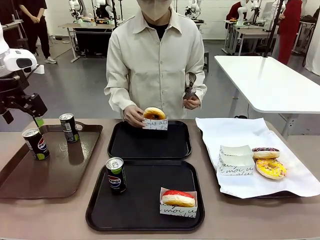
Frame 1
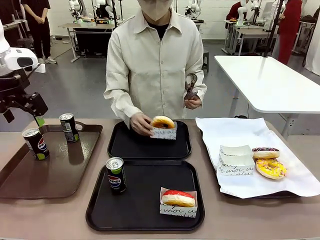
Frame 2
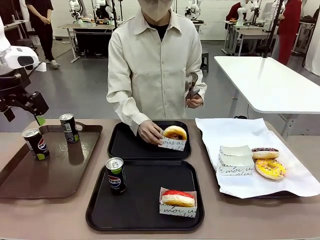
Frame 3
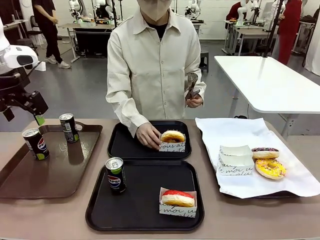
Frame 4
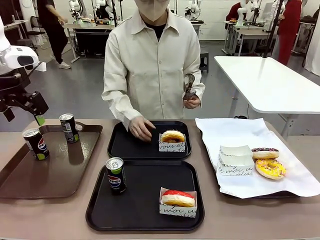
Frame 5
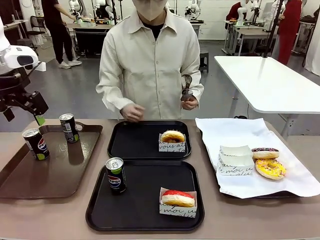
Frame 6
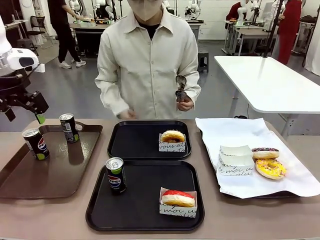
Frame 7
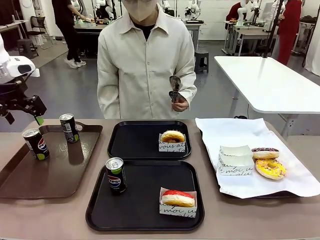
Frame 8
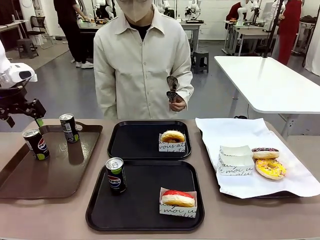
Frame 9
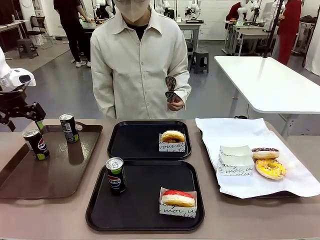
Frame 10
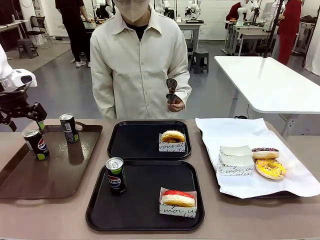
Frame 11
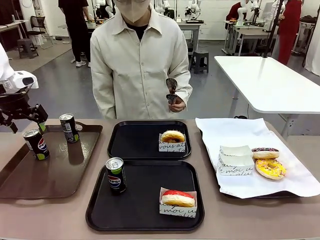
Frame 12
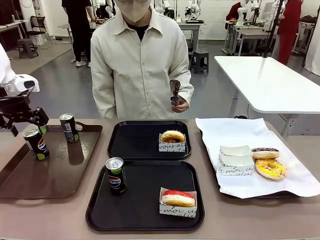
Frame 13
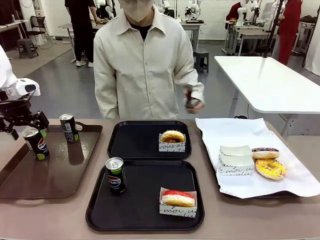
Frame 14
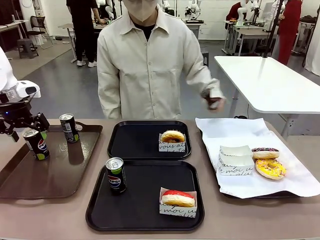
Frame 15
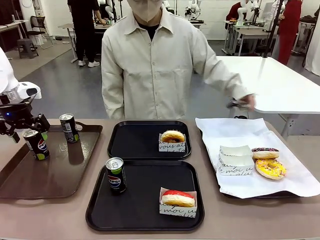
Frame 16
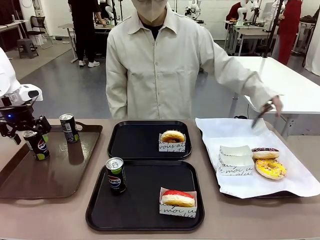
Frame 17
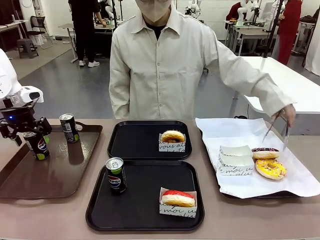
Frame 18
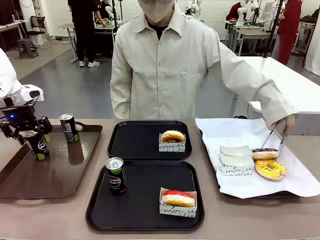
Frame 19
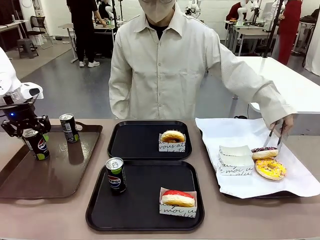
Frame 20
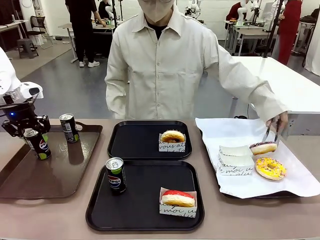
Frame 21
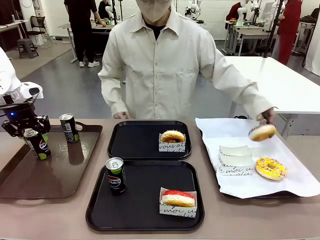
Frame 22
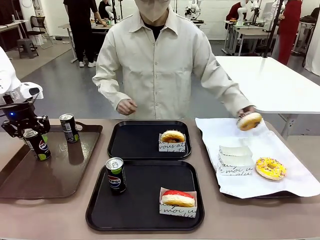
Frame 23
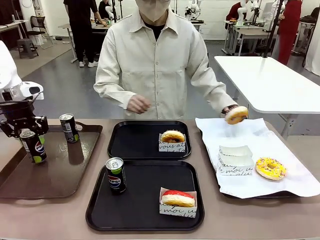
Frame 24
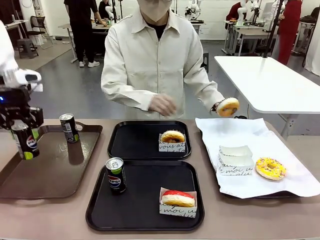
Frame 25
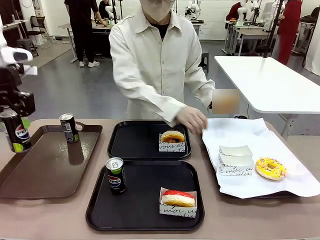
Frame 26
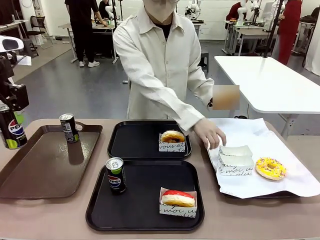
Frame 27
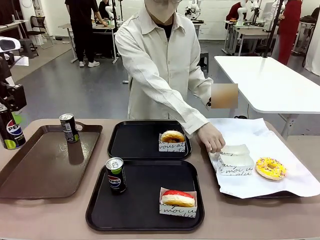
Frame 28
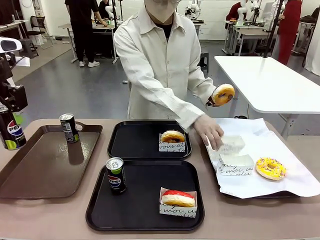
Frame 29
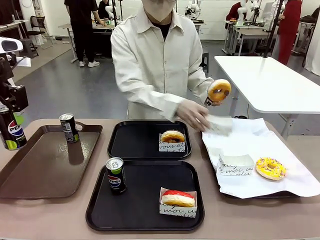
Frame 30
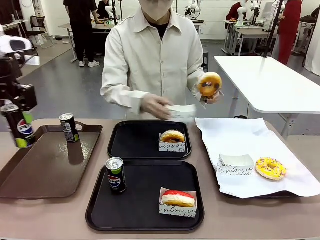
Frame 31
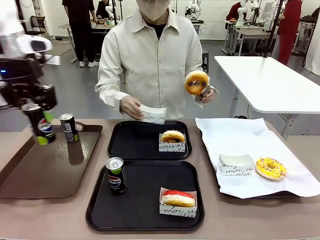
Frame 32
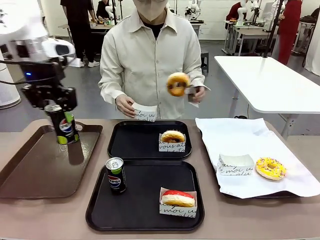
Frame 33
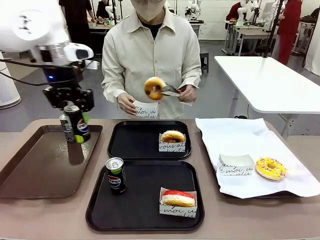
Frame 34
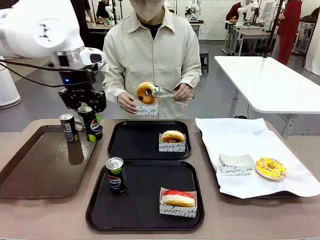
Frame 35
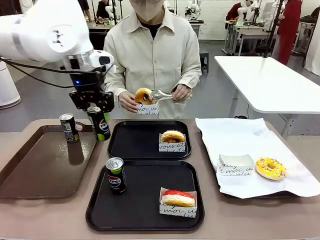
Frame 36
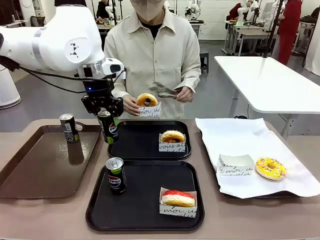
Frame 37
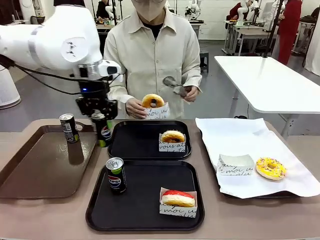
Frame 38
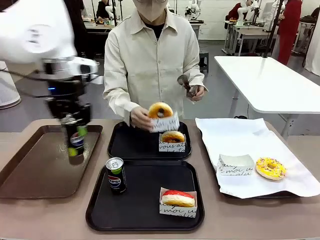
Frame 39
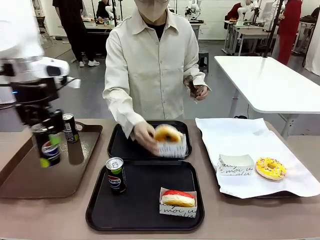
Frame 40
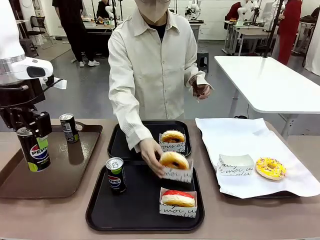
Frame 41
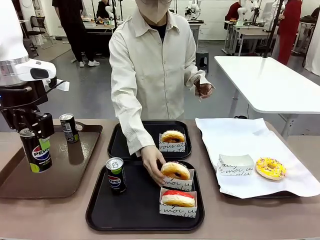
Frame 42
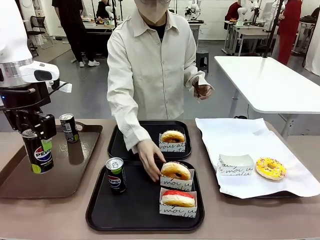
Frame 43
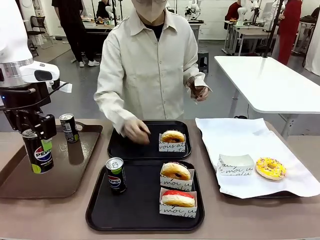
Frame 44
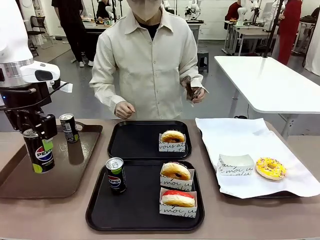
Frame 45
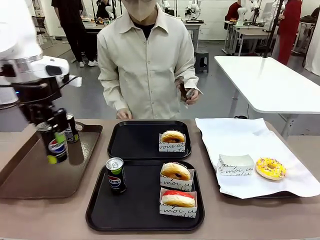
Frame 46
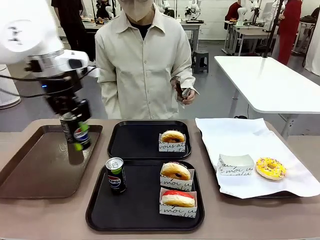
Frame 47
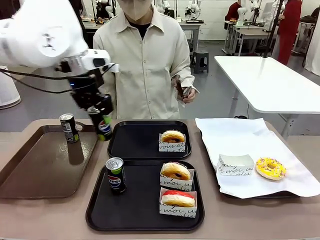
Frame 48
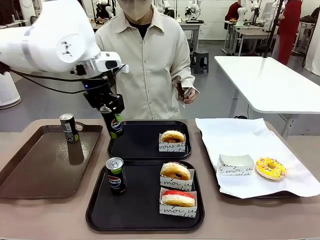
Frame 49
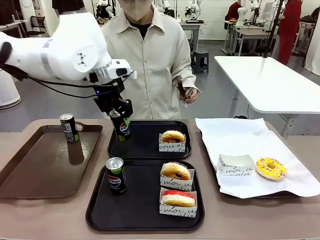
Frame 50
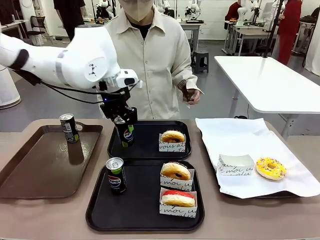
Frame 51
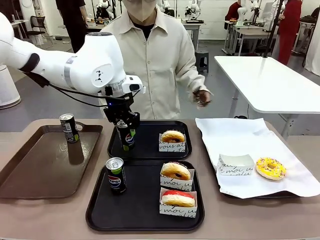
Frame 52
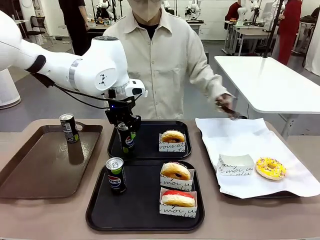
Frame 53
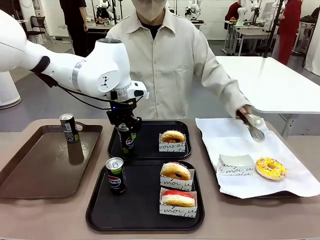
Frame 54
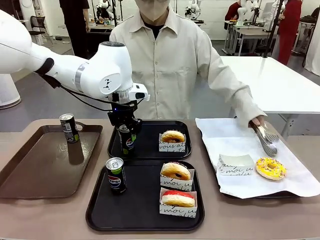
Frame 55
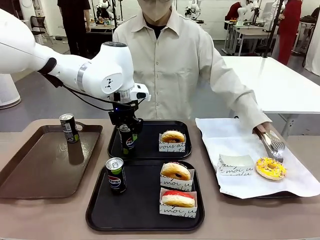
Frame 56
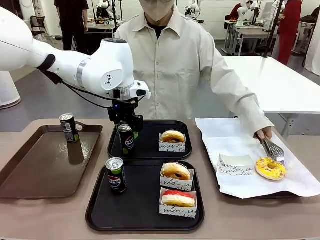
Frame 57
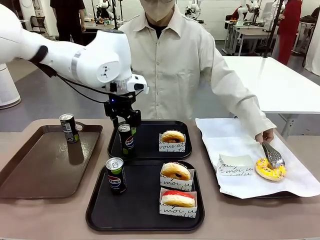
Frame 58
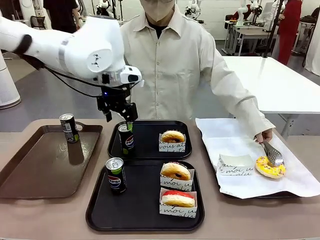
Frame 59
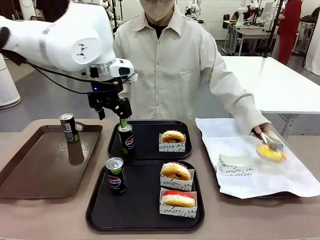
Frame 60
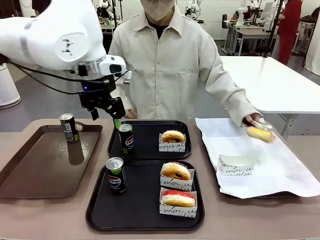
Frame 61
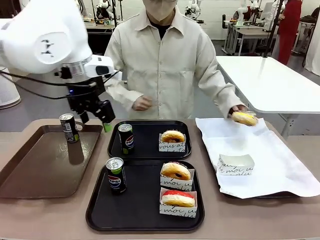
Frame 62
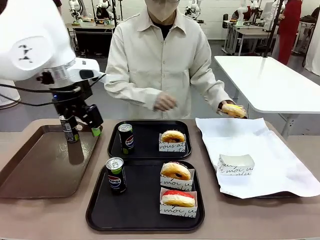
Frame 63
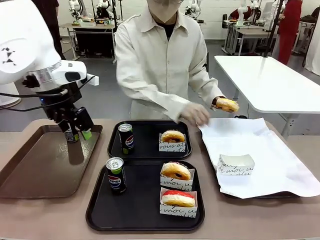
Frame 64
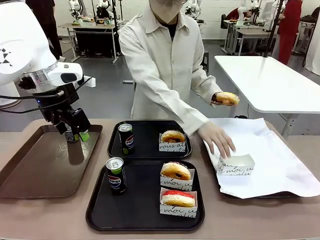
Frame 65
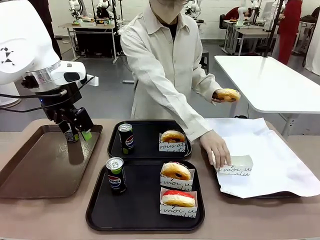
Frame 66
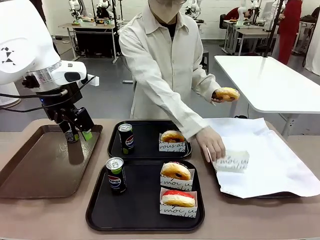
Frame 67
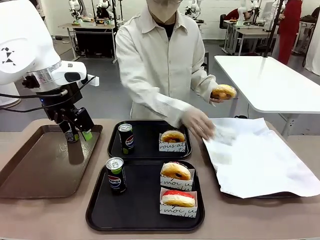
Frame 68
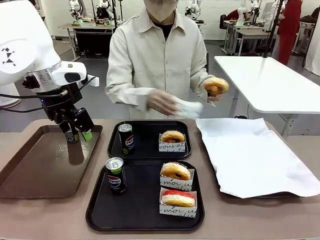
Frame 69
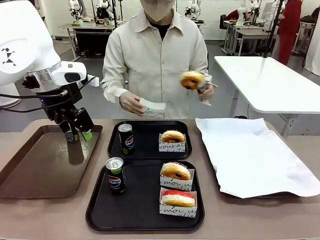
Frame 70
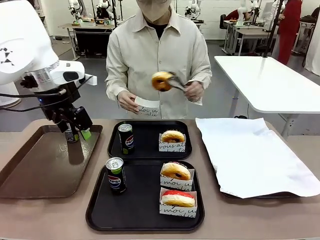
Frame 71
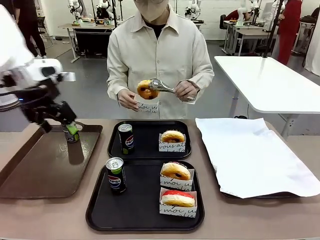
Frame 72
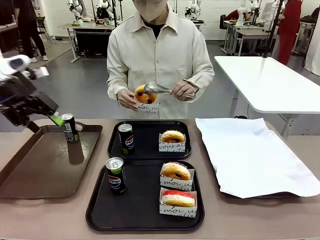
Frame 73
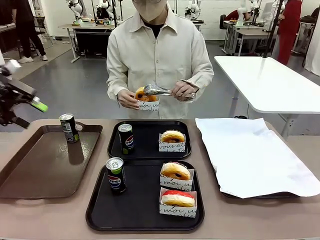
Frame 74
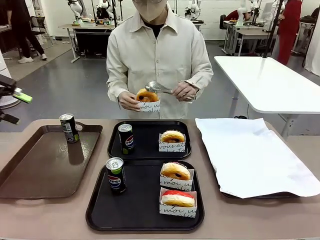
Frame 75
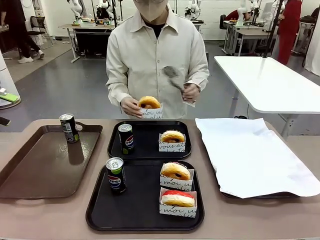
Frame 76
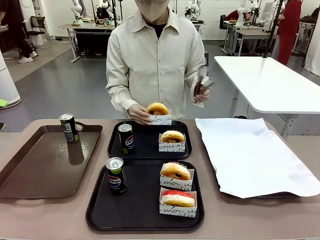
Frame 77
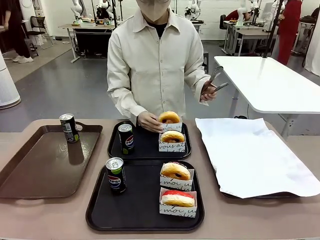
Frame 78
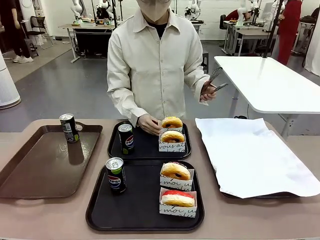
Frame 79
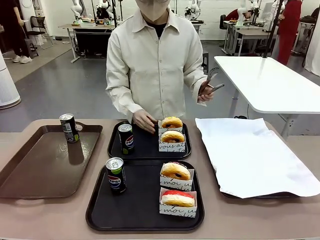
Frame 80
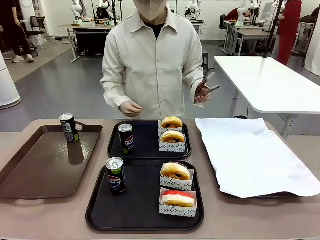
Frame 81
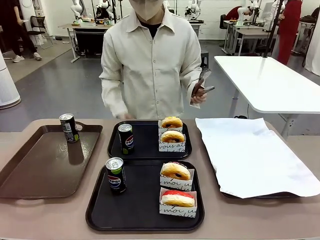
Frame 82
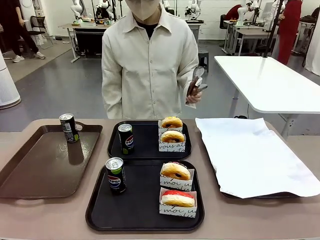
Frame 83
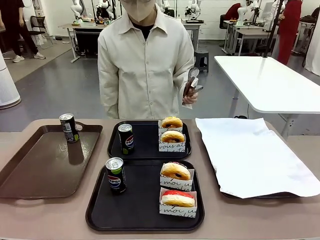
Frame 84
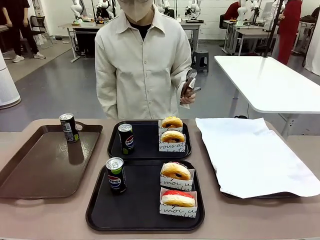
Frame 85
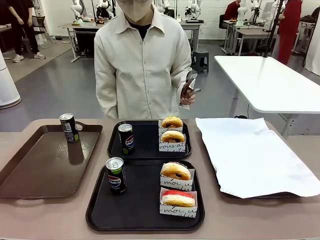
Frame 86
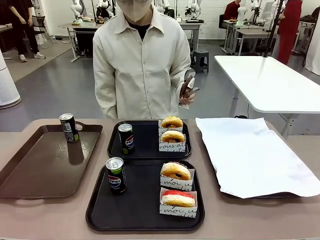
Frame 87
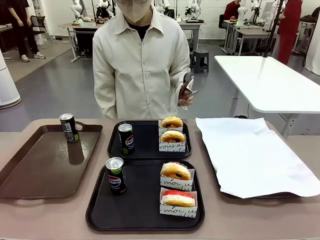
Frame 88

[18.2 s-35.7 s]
Task: Set up donuts and drinks on trays.
Robot: Pick up one Pepsi coke from the Handle tray and place it on the Flat Tray without a Pepsi coke.

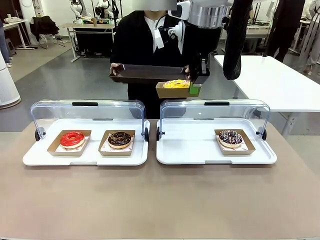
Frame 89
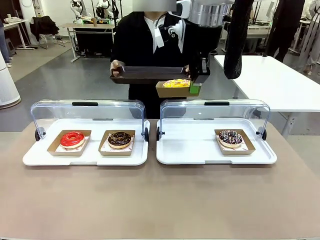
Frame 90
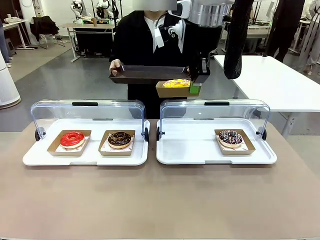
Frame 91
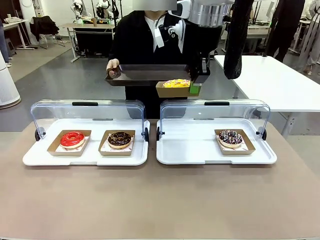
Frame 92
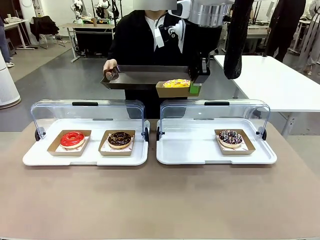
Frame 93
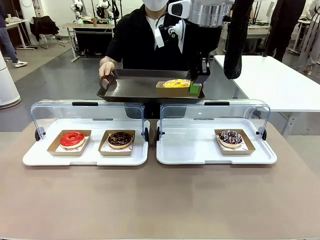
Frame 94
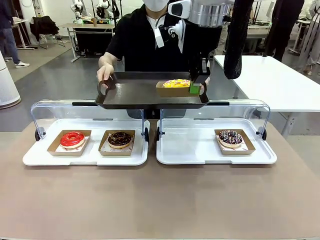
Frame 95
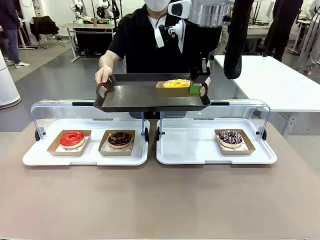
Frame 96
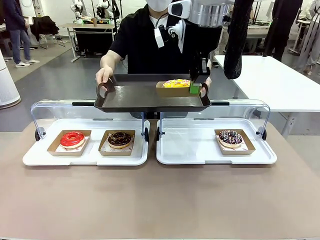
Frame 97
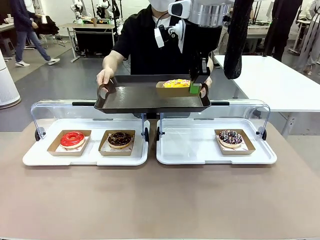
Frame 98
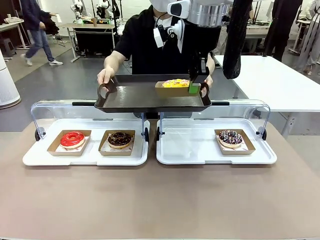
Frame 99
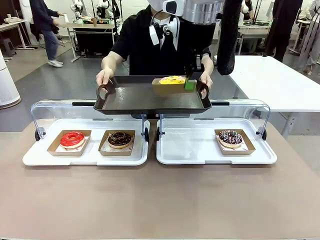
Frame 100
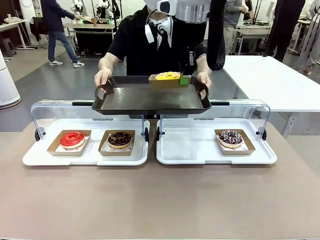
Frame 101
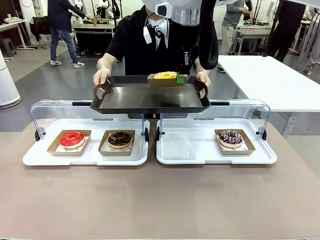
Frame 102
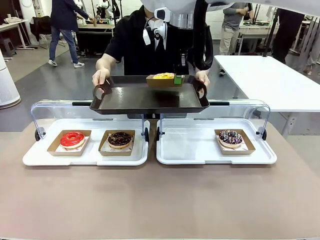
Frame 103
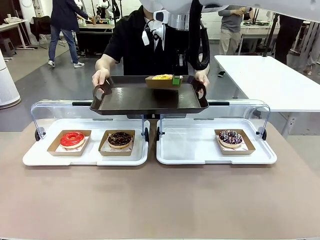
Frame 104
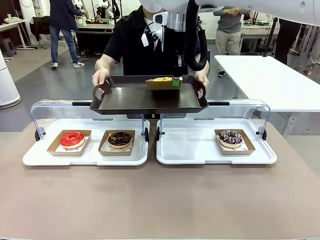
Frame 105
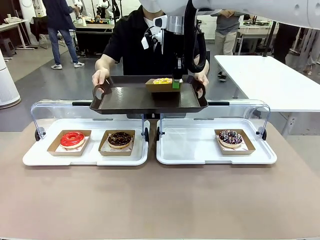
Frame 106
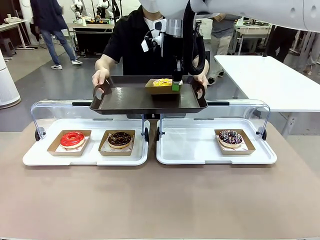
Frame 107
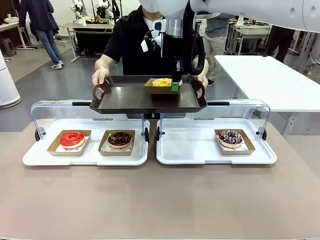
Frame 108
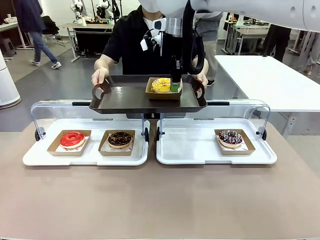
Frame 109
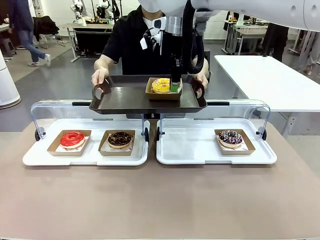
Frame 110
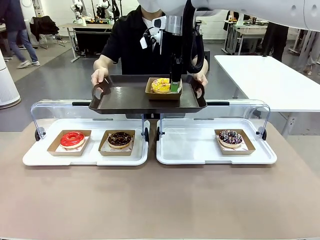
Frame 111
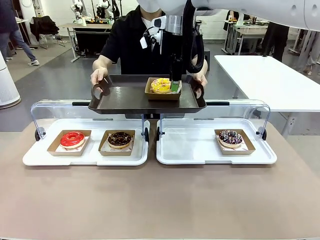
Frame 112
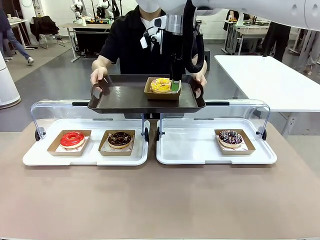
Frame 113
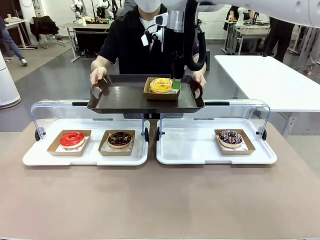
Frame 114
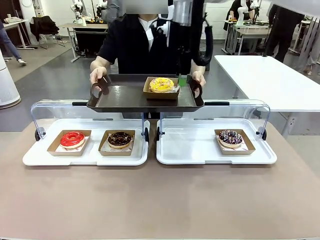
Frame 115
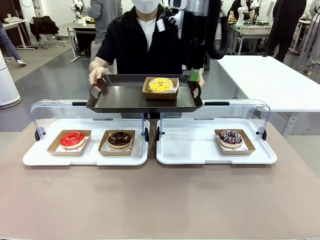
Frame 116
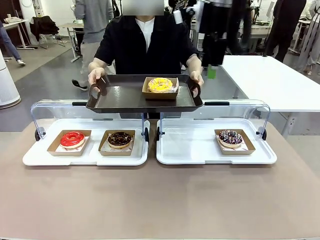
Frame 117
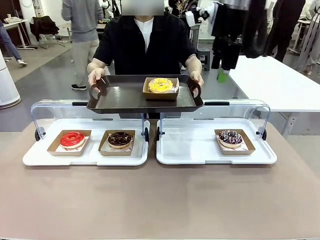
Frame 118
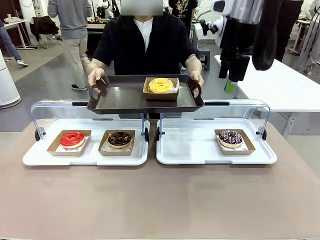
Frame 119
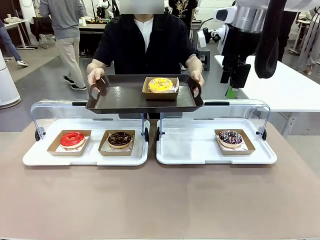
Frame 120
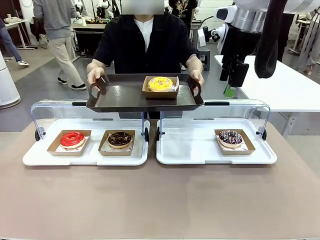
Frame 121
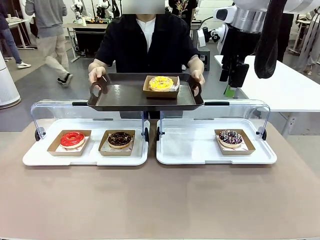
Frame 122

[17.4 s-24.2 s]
Task: Provide the desired donut to the person.
Robot: Place the picked Paper togo box onto the Handle tray extended by the person.
